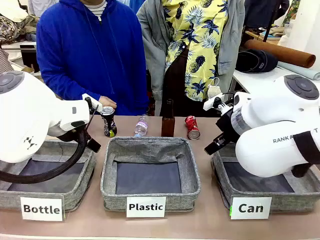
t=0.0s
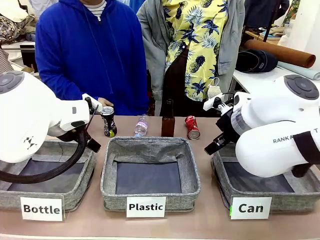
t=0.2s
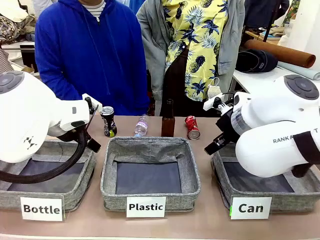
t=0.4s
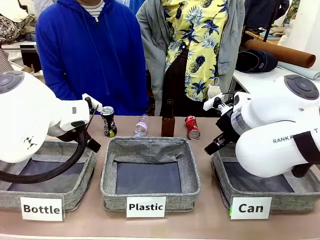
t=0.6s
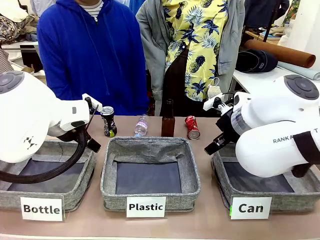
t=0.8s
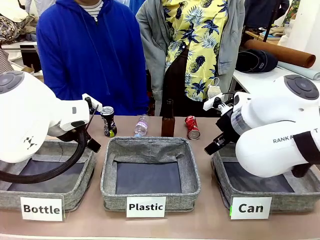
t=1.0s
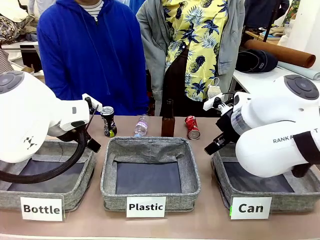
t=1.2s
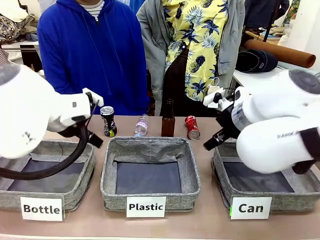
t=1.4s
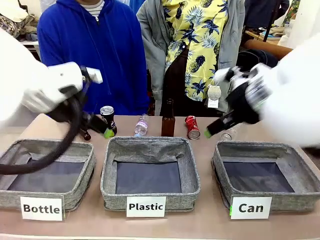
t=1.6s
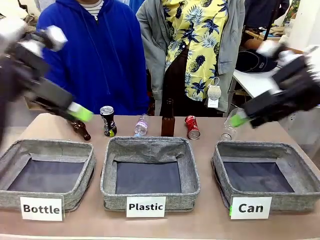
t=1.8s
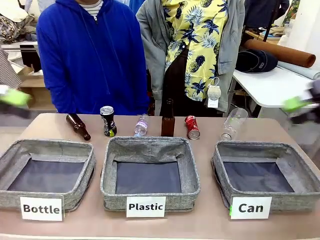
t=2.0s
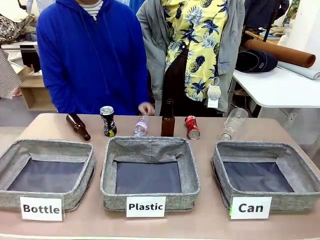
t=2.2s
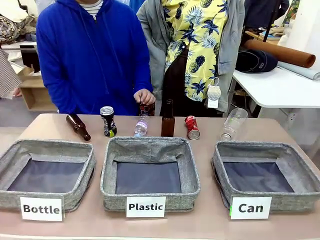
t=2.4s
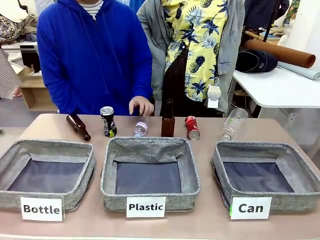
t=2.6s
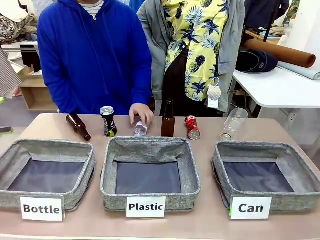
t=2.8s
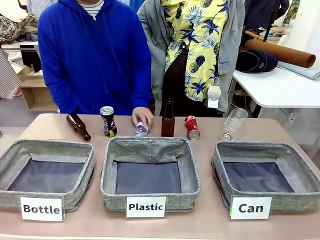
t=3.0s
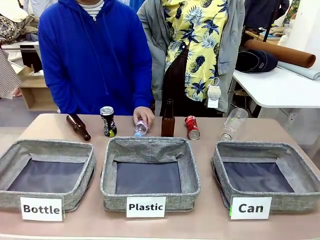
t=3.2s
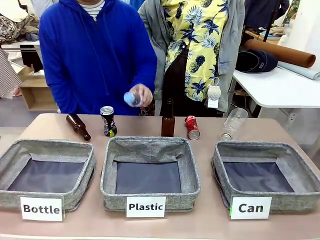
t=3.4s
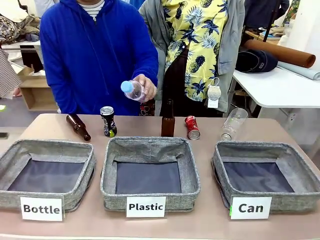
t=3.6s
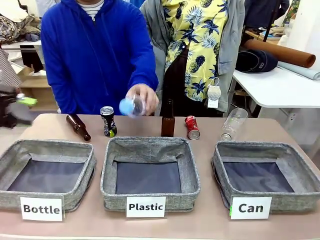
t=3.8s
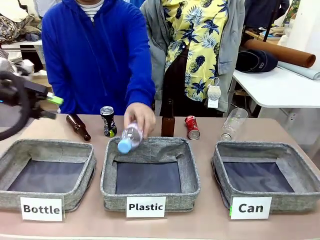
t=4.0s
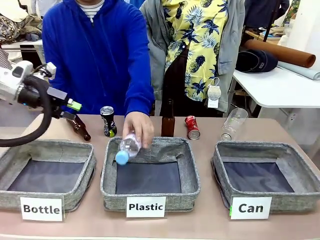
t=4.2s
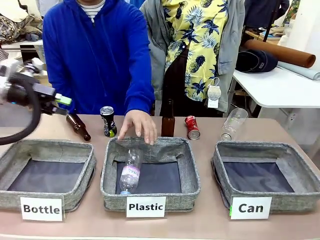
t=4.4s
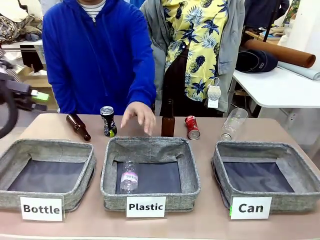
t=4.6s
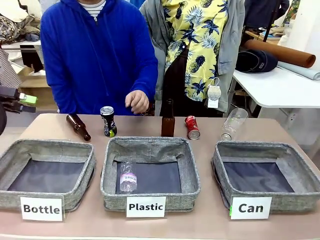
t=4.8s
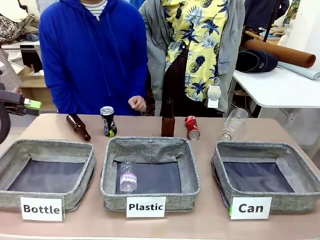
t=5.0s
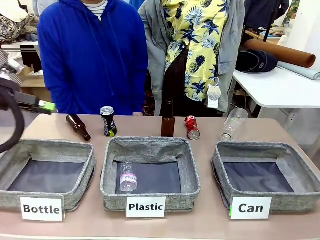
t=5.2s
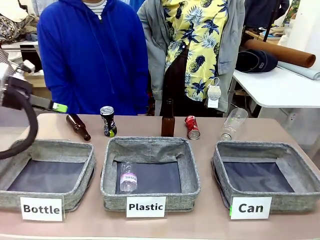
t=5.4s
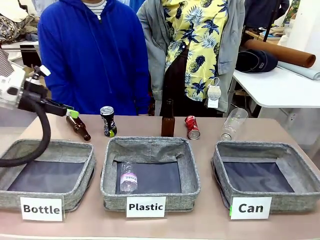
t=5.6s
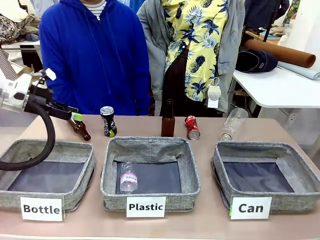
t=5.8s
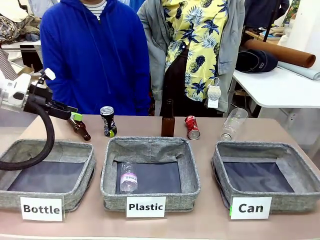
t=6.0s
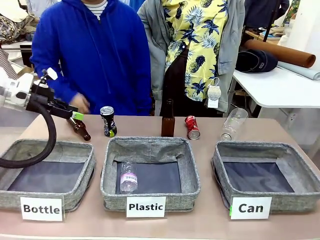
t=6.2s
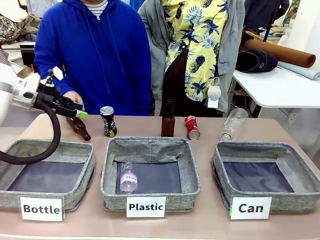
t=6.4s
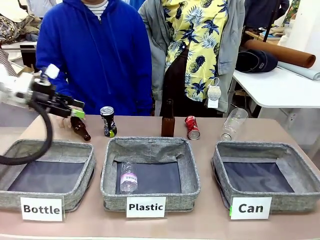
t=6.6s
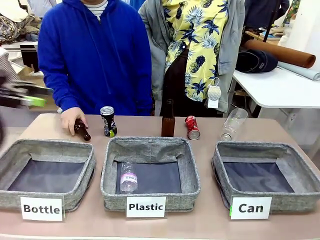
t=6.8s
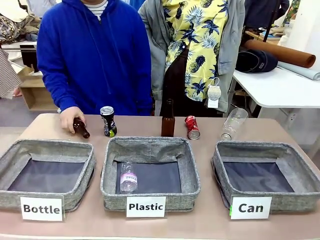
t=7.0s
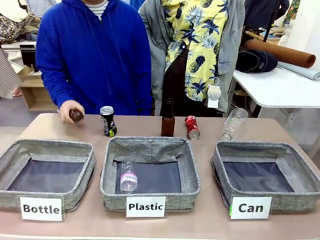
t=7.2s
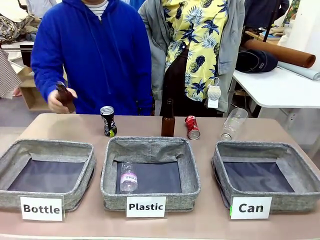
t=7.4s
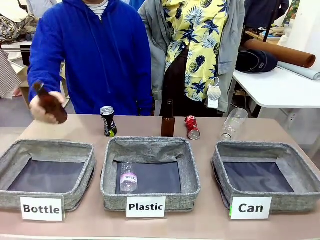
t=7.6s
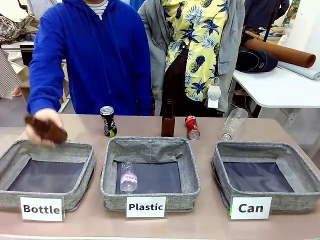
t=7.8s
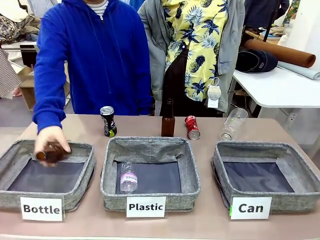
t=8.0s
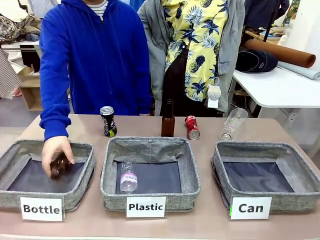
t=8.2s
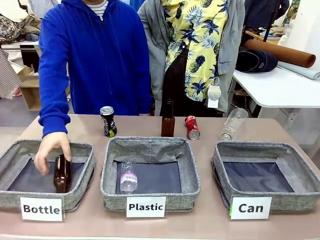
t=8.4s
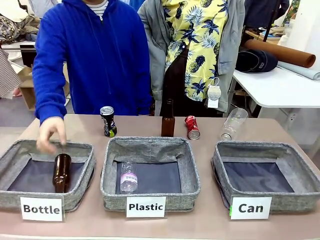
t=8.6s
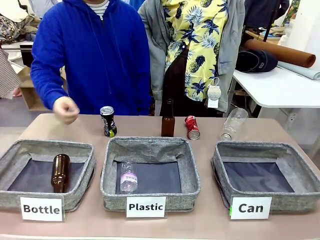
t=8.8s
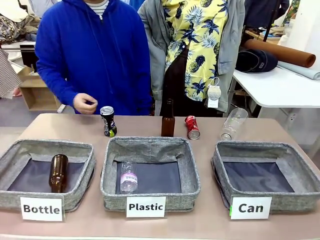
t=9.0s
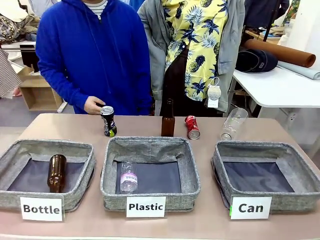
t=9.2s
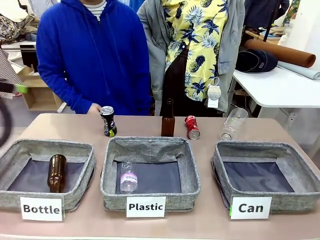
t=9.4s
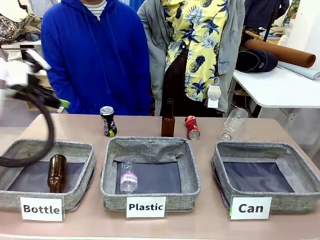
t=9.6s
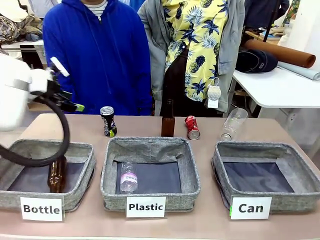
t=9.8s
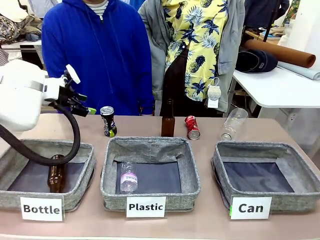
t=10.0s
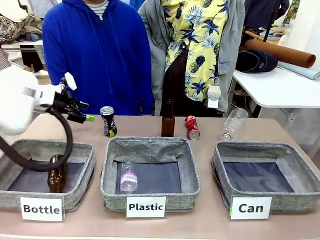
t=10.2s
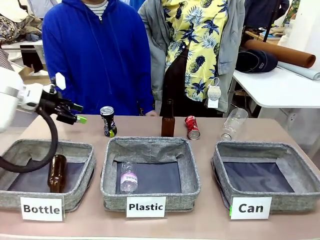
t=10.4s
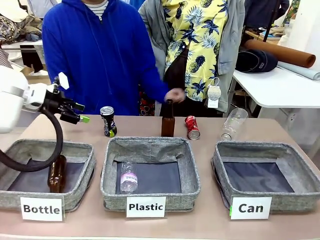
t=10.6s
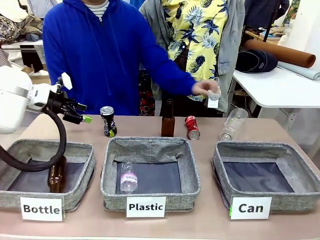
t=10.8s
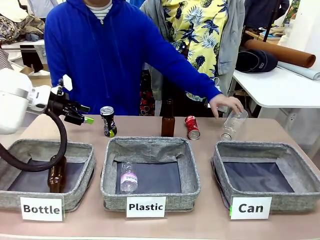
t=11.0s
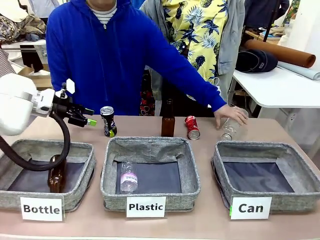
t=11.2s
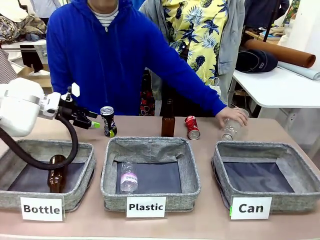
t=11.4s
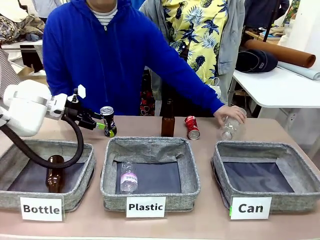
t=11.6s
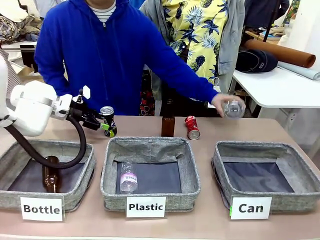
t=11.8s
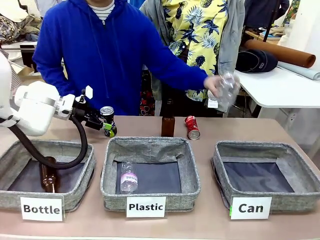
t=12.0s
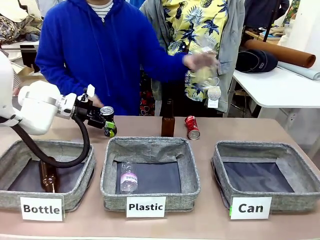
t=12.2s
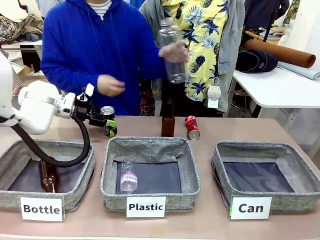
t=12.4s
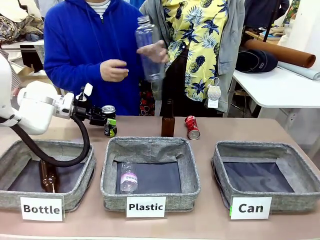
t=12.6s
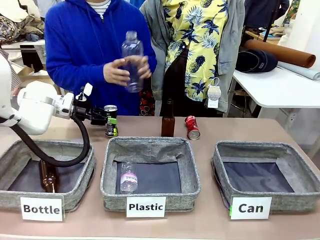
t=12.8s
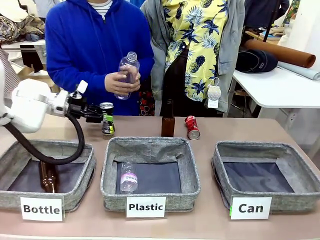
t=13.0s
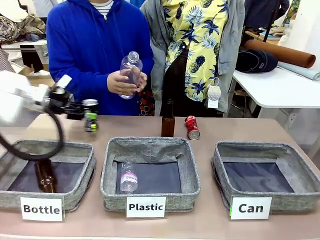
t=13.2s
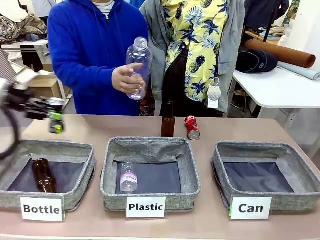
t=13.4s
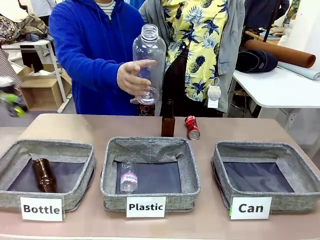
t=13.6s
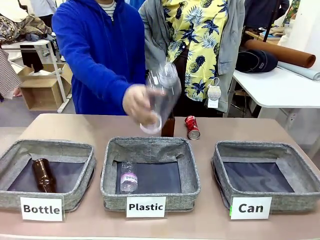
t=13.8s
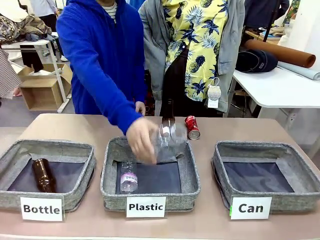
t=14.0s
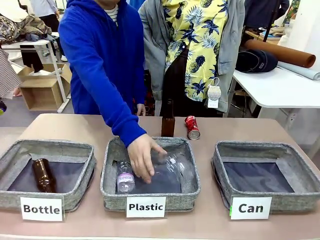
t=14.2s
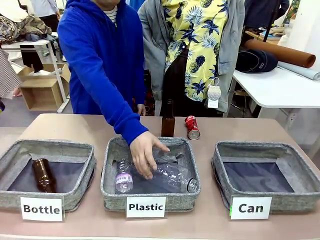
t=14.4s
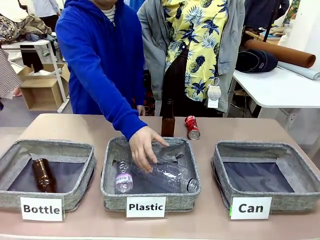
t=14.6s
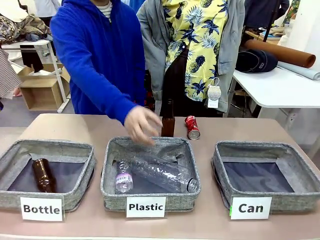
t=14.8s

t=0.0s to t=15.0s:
Task: Sort the can waste into the basket.
Robot: Pick up the can waste from the table and place it in the right Fabric basket.
